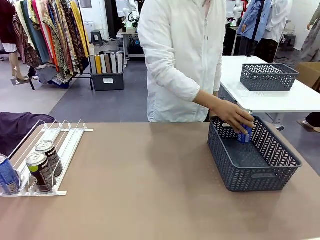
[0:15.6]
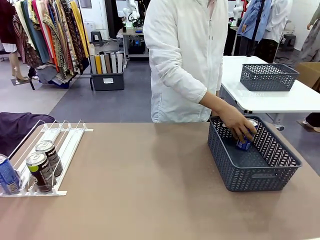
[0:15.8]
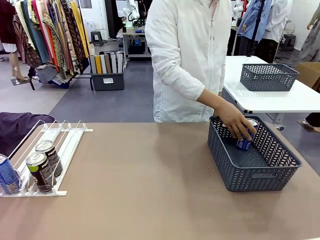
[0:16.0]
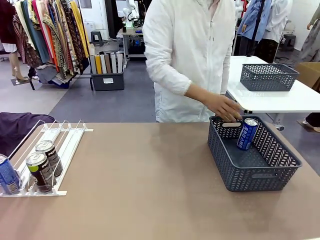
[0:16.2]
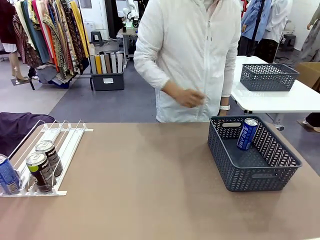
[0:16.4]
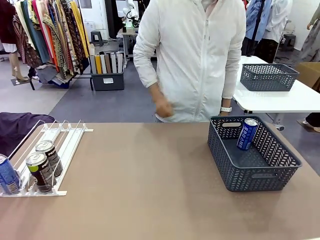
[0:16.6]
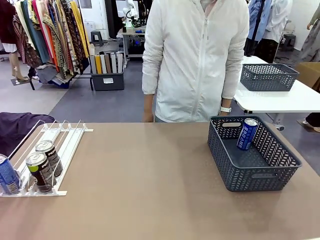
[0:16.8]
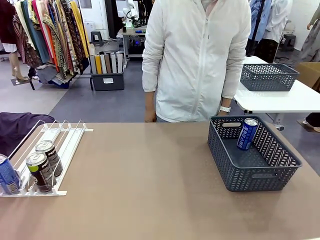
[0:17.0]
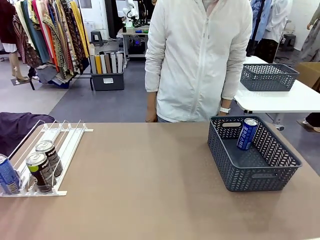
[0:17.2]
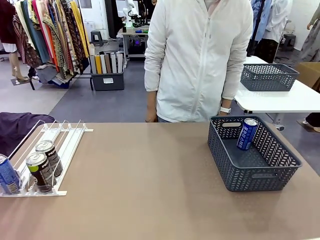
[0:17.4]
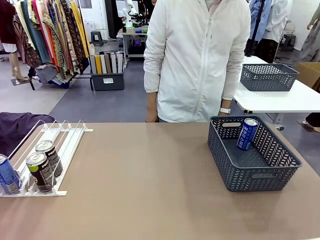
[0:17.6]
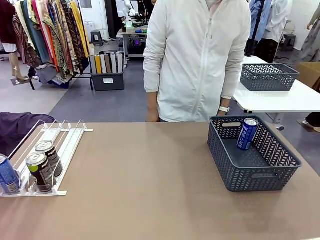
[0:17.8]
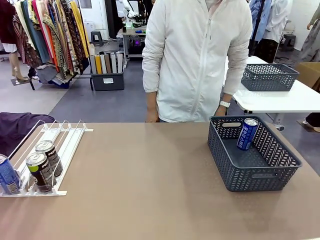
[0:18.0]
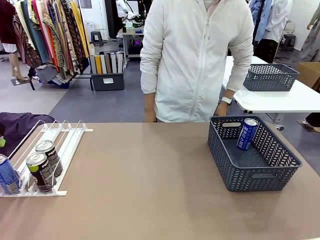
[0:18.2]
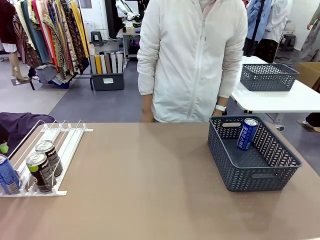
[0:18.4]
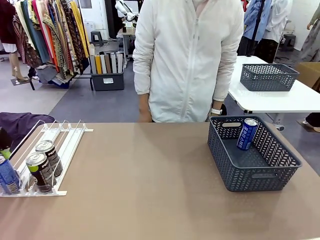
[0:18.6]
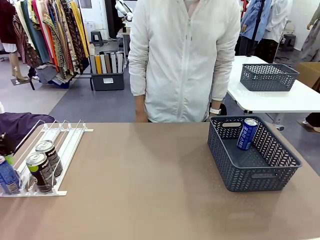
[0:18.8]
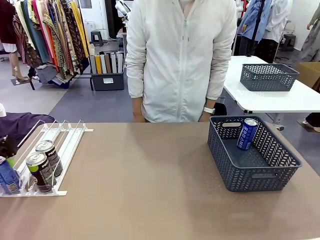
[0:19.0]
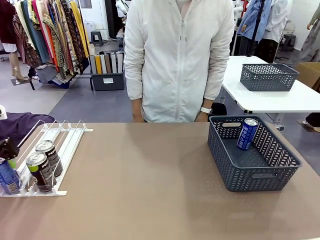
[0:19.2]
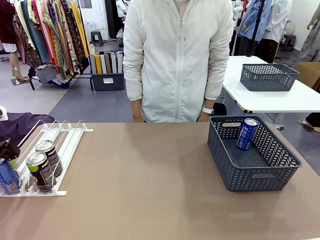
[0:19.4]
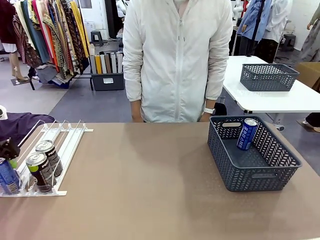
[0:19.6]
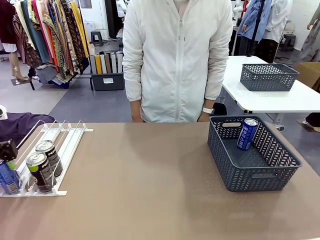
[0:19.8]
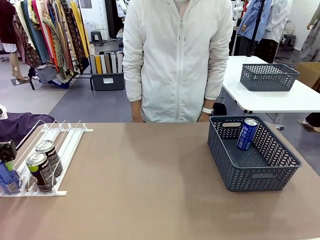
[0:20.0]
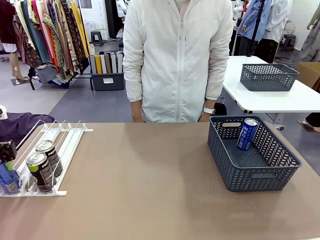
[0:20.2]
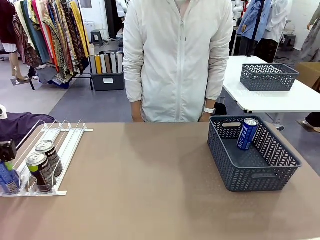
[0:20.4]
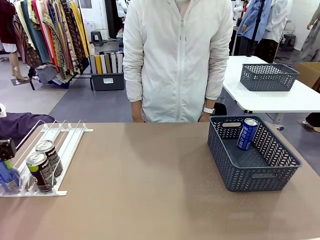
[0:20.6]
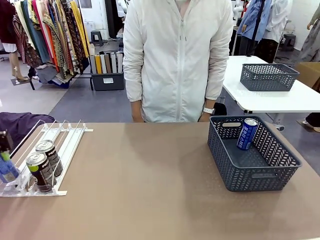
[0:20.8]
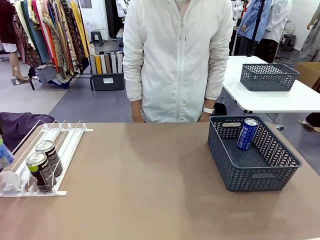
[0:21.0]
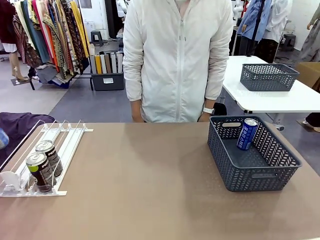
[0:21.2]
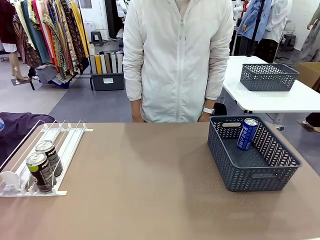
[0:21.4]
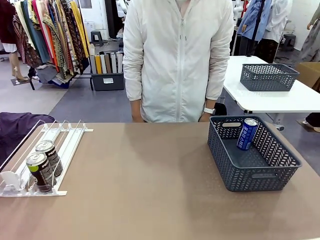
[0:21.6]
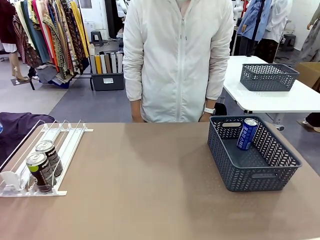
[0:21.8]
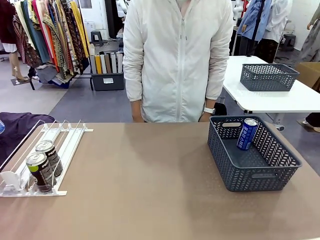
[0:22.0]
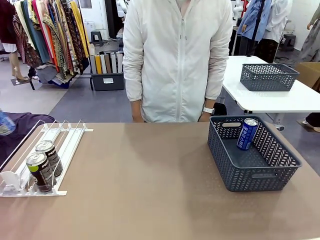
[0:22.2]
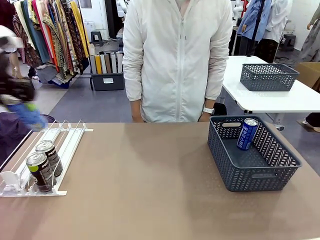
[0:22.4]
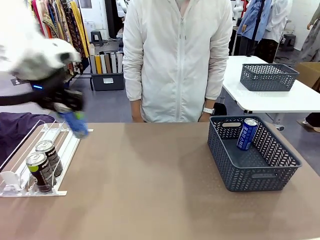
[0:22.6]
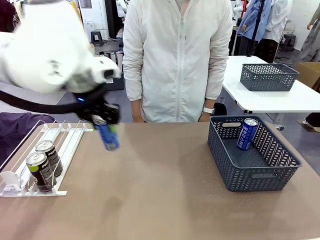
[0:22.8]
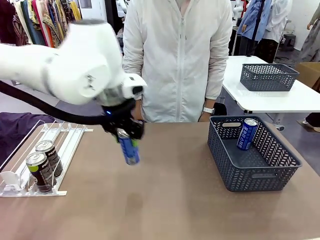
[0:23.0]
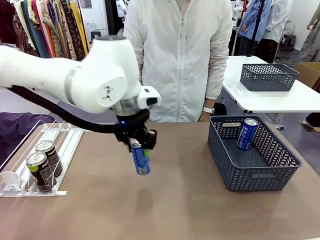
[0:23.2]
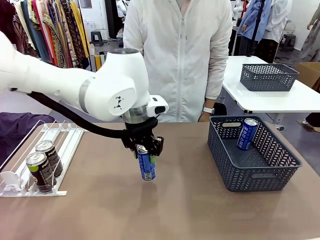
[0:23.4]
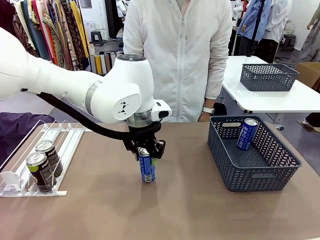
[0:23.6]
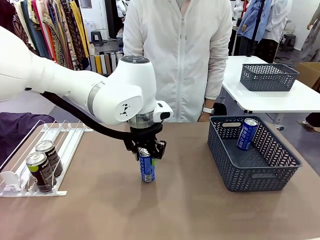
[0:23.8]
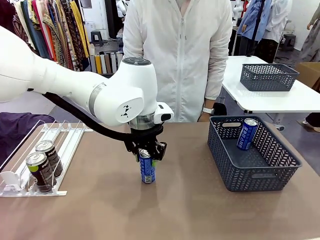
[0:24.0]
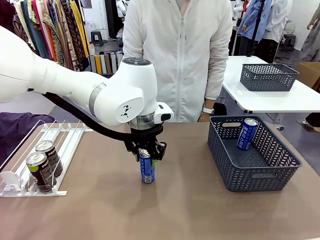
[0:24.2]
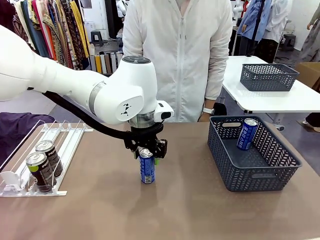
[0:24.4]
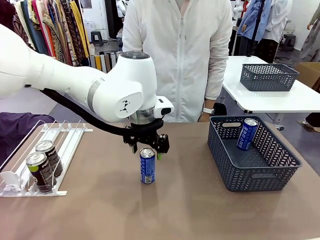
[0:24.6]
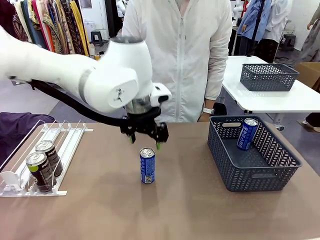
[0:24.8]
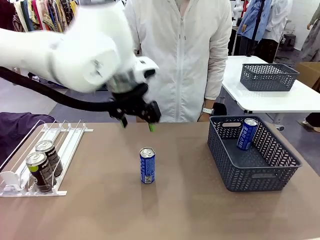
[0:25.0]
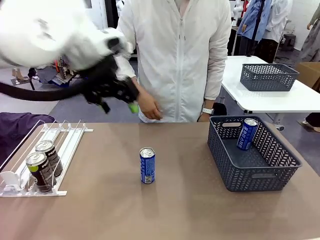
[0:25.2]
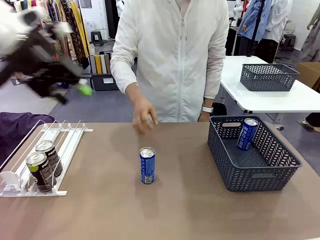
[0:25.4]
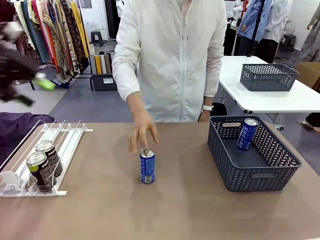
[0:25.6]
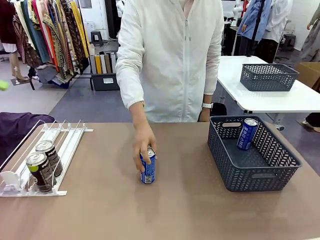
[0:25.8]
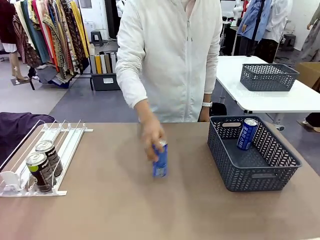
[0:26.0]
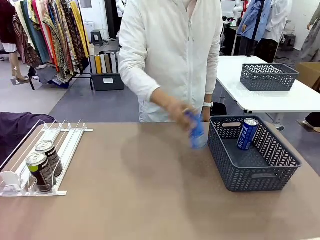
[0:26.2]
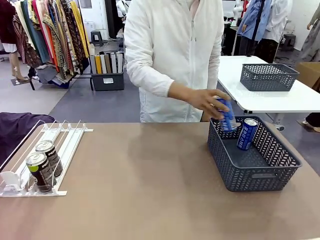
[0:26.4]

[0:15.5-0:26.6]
Task: Retrieve and store the cans from the dispenser.
Robot: Pick up the last remaining can from one row of the Automatic Can Dispenser and place it in the middle of the table.
Person: Pick up one Pepsi can from the middle of the robot table and place it in the basket.

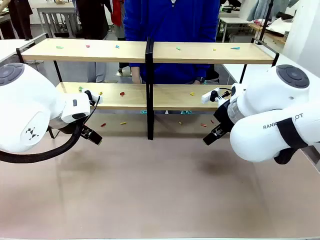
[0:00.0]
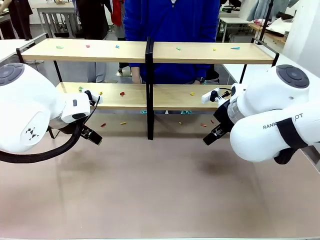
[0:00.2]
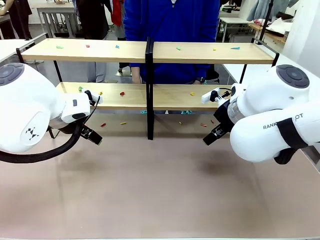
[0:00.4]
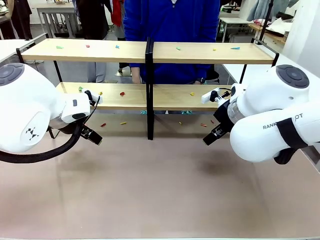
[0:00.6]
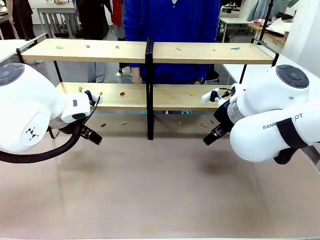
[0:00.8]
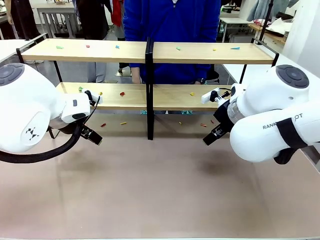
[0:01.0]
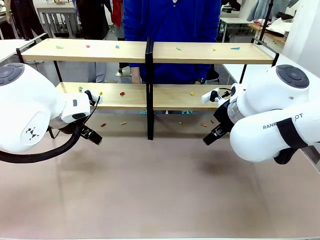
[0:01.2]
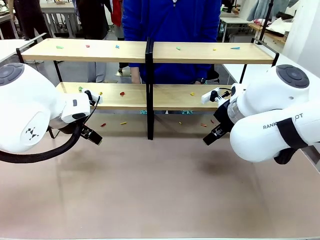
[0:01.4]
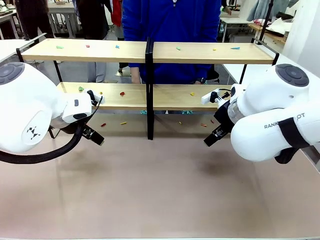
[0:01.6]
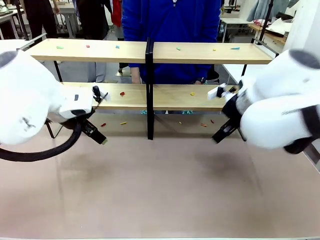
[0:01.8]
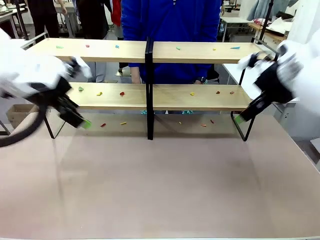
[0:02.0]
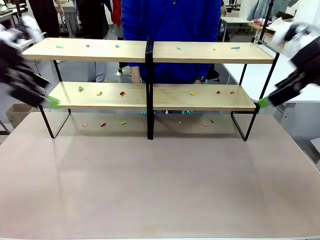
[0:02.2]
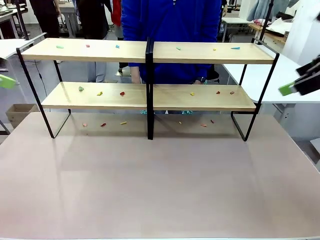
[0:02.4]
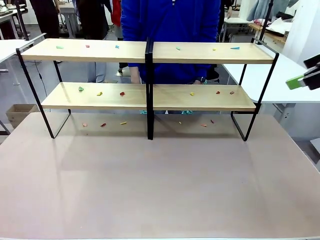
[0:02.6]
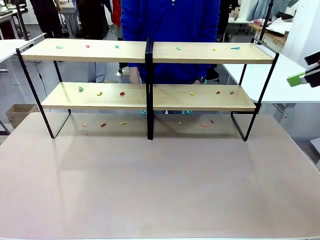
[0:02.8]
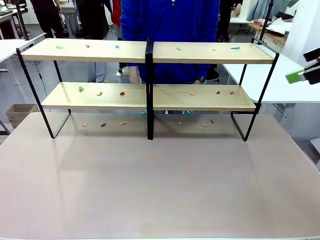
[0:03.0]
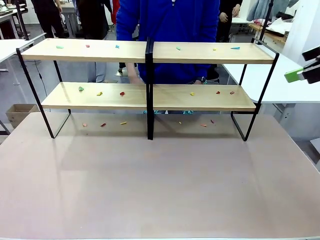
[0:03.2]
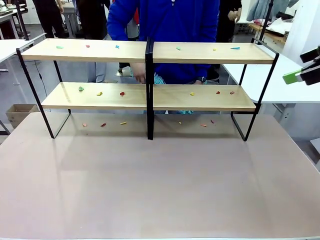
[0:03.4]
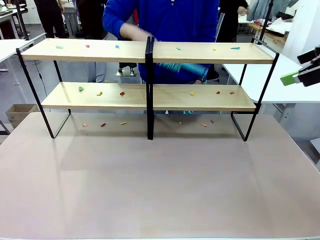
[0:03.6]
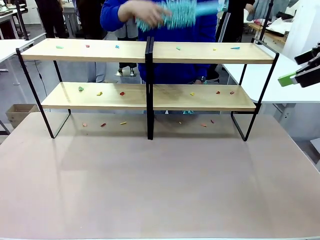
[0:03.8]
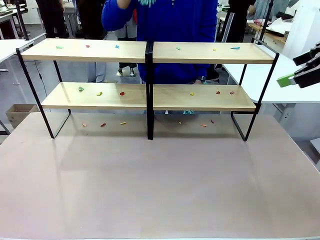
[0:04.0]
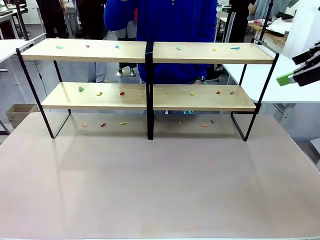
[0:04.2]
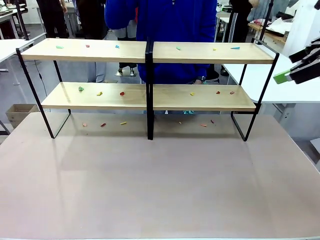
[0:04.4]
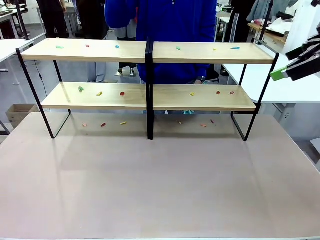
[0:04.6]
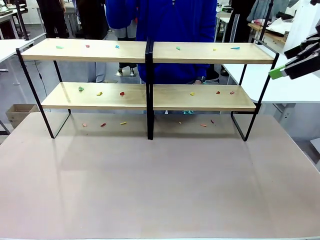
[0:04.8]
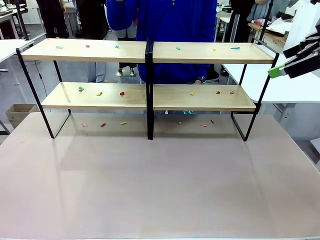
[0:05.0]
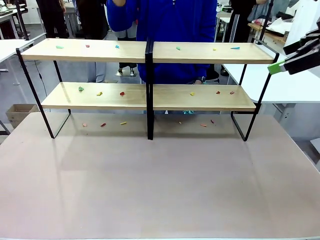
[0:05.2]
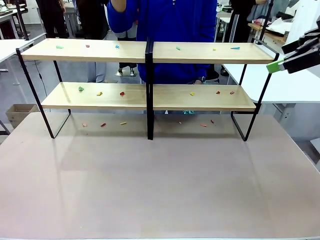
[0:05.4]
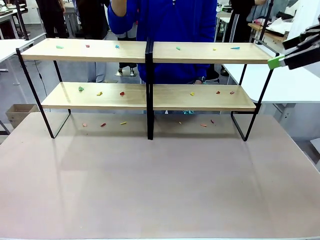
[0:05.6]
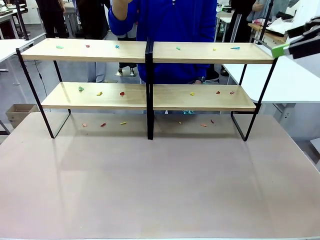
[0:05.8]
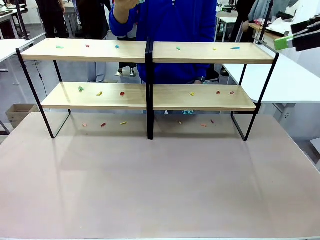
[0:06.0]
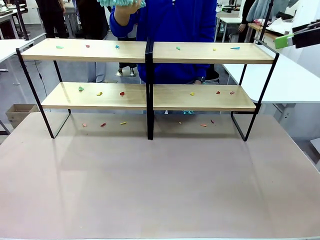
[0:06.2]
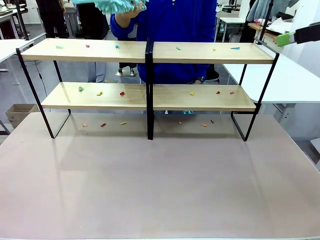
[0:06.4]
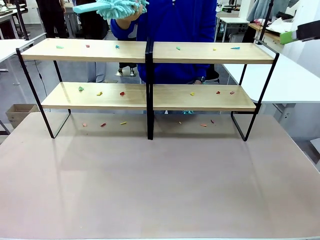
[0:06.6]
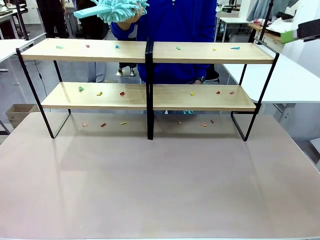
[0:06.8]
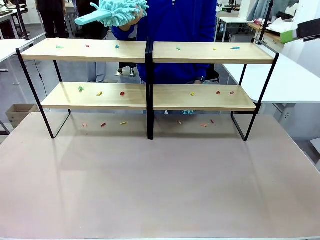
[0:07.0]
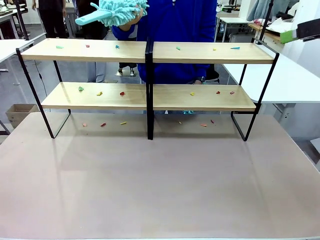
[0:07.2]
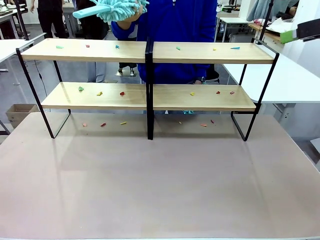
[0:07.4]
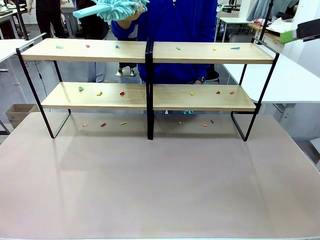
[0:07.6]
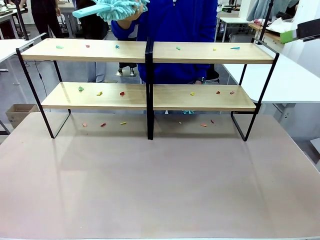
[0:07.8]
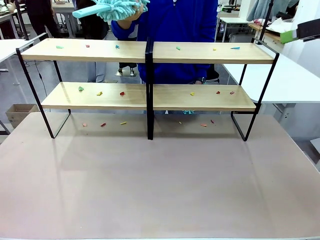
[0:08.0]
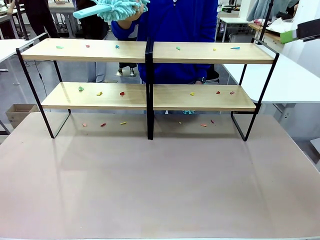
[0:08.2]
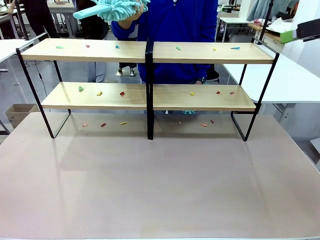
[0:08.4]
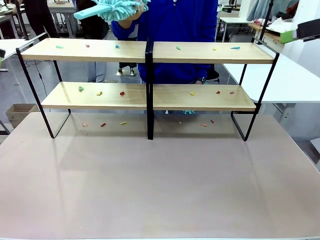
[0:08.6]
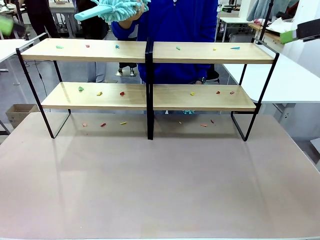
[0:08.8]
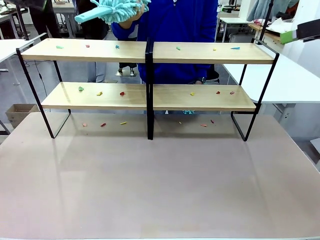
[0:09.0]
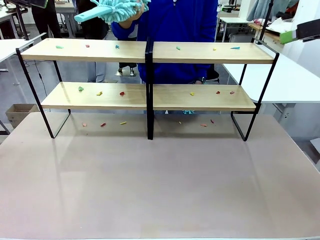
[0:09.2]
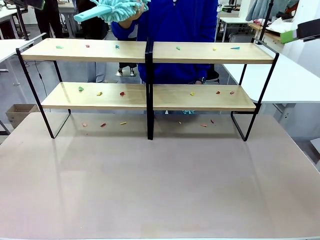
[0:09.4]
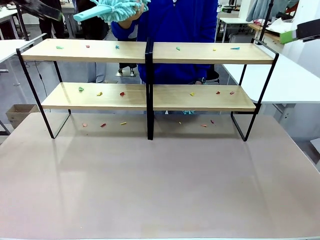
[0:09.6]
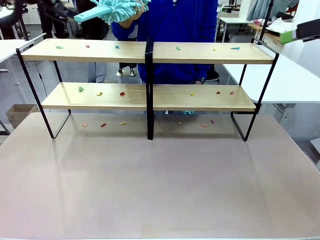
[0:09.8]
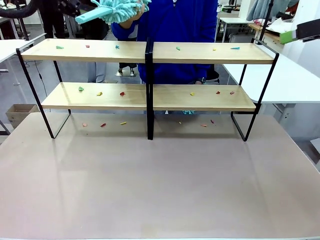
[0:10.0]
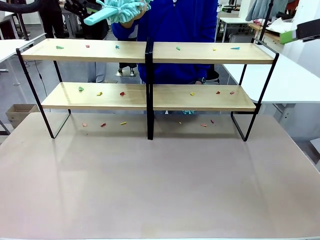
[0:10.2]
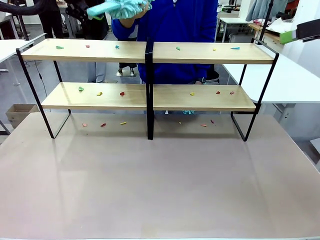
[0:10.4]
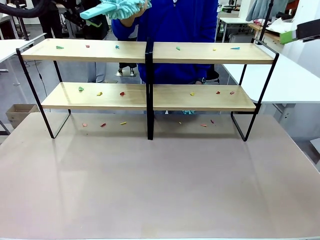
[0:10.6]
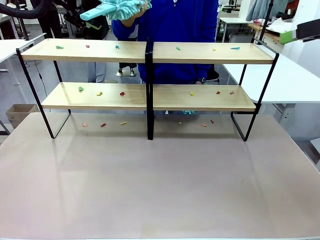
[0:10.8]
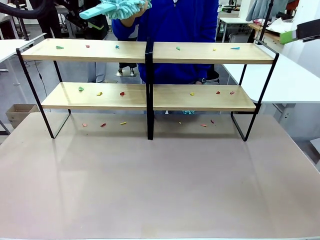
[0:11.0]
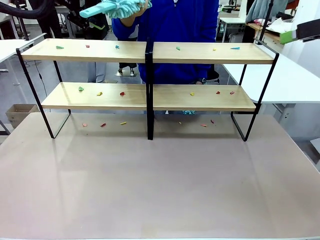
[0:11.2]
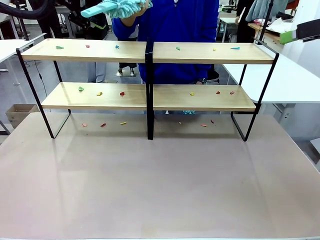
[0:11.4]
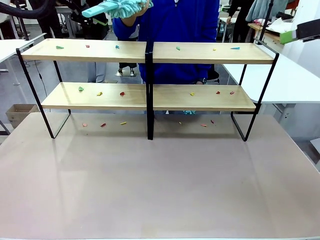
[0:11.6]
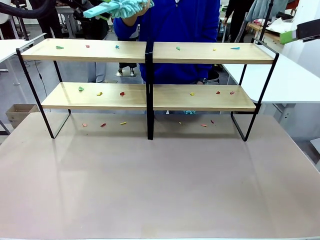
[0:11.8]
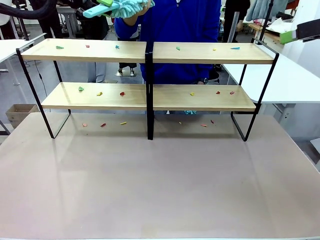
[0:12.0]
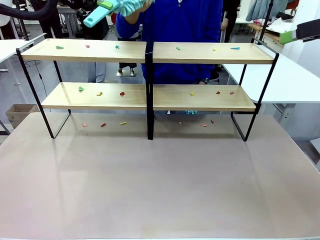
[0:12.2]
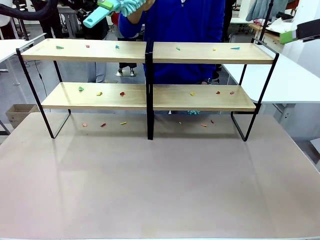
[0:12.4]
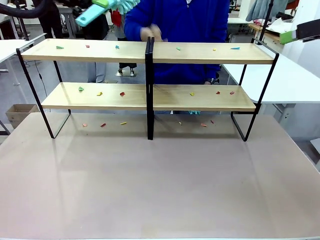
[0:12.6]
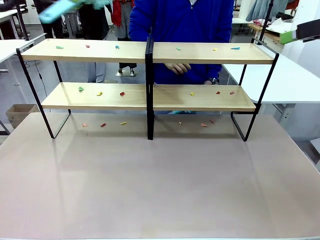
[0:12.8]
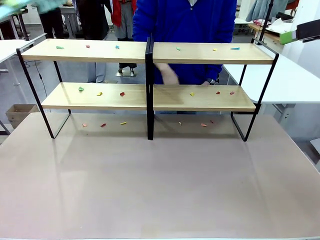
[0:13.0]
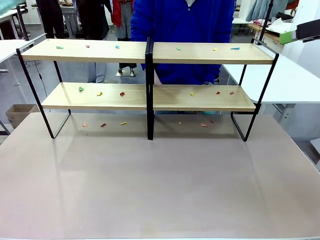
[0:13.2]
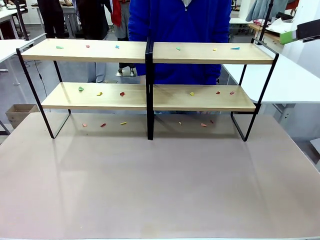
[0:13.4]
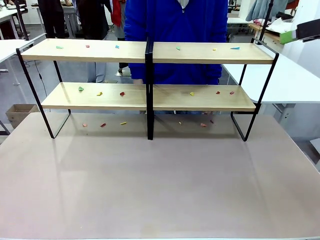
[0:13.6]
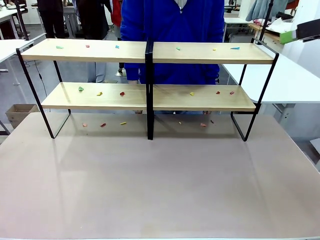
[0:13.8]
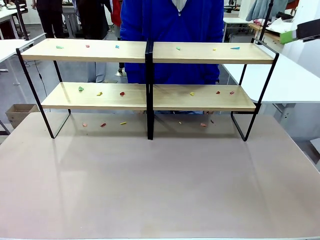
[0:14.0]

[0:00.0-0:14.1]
Task: Clean the shelves.
Robot: Pick up the Duster when the human hands it over.
Person: Hand the Duster to the robot with your right (or left) hand.
